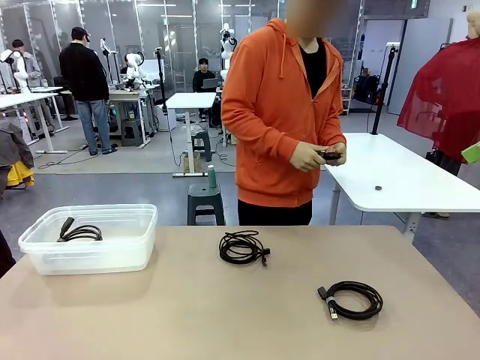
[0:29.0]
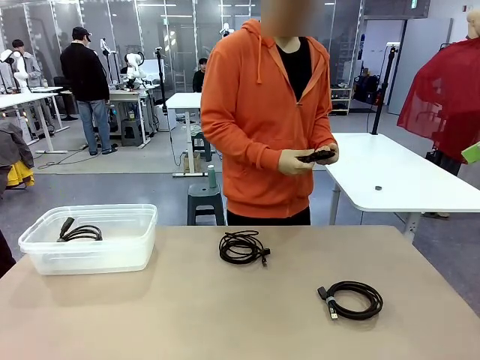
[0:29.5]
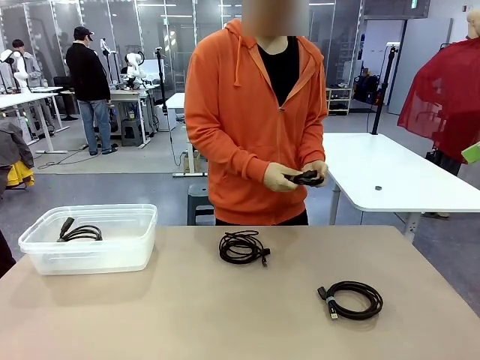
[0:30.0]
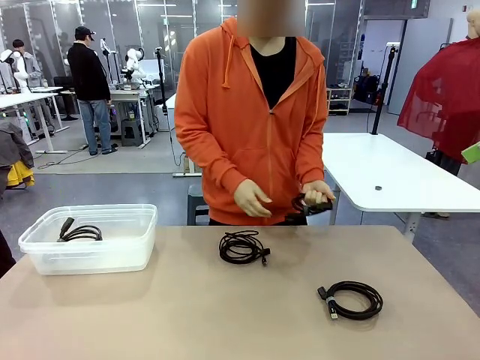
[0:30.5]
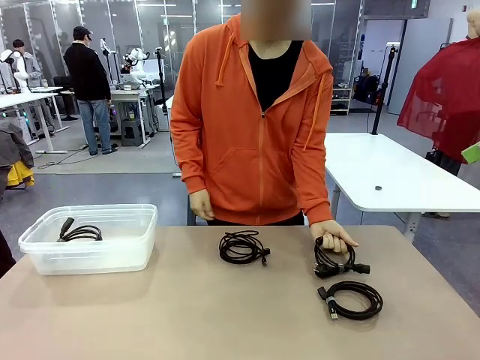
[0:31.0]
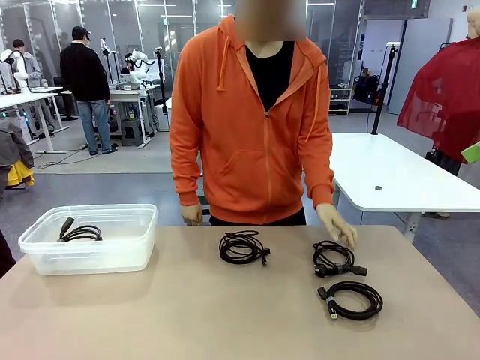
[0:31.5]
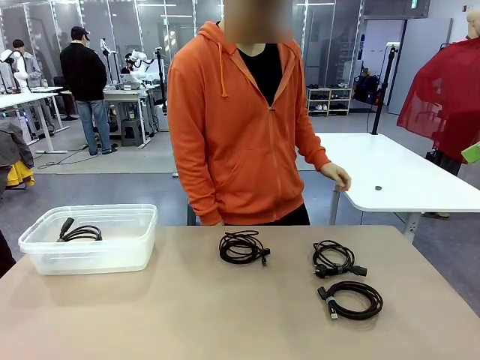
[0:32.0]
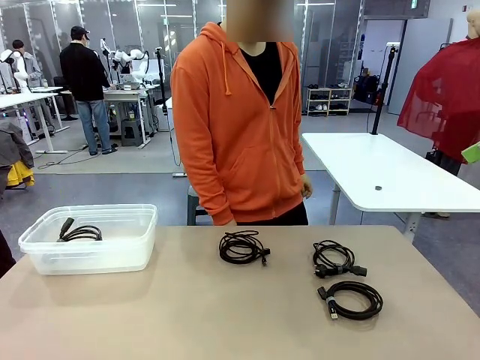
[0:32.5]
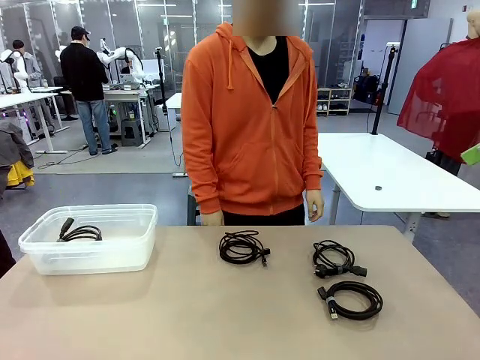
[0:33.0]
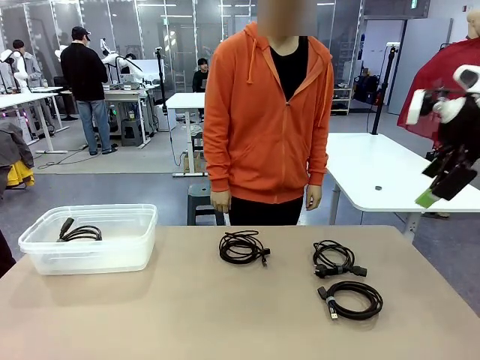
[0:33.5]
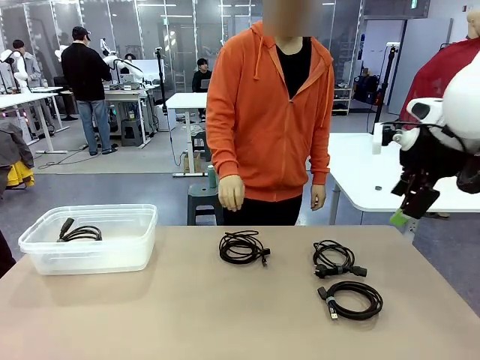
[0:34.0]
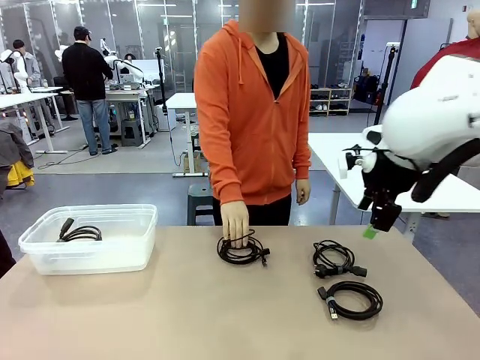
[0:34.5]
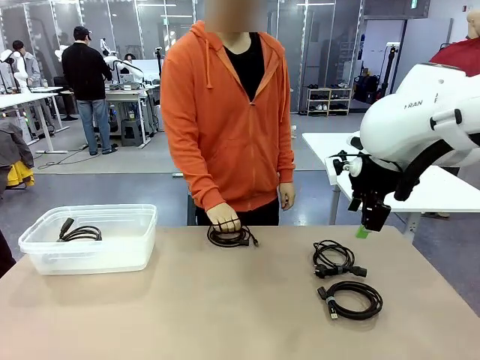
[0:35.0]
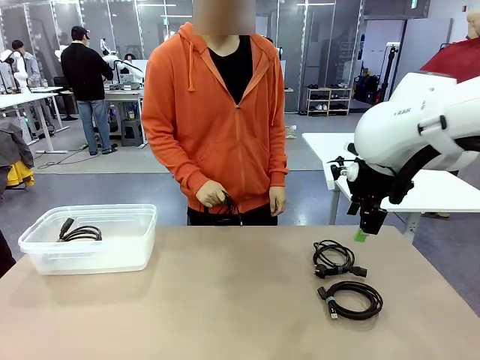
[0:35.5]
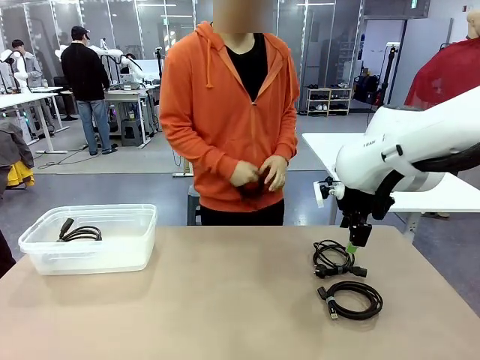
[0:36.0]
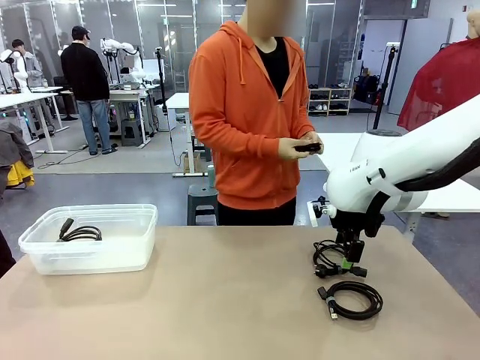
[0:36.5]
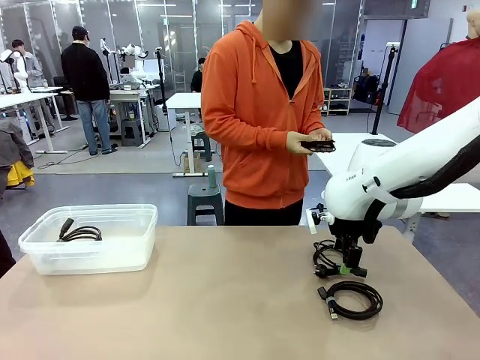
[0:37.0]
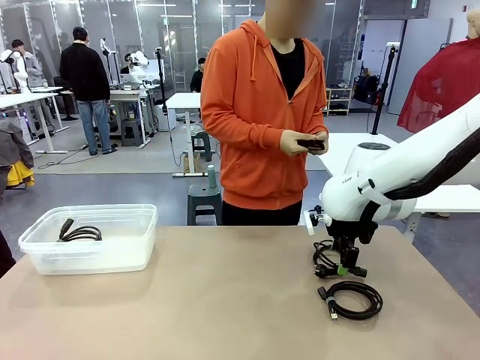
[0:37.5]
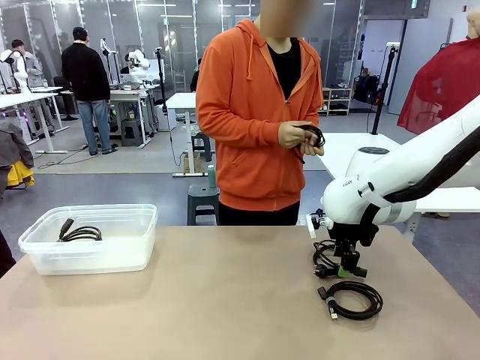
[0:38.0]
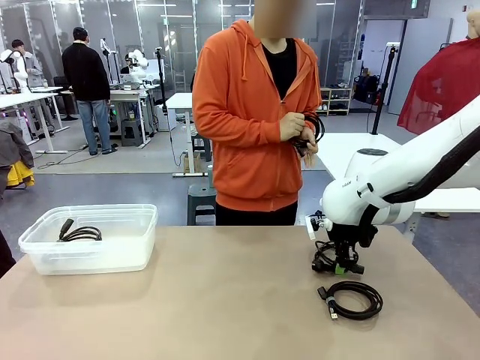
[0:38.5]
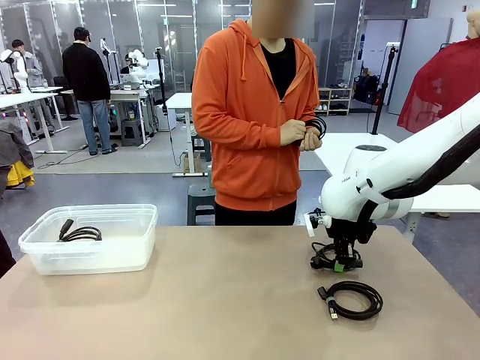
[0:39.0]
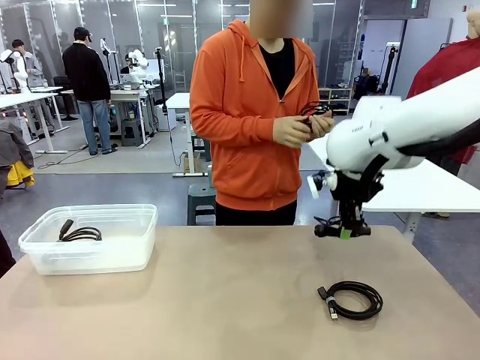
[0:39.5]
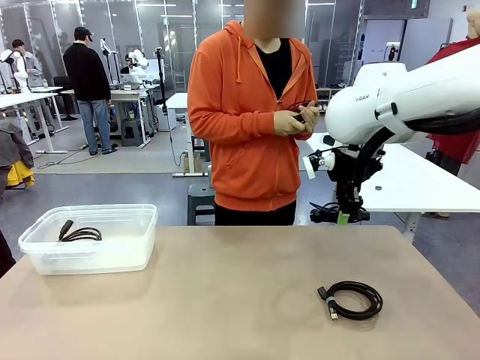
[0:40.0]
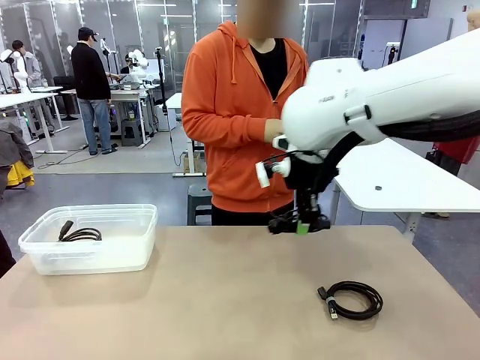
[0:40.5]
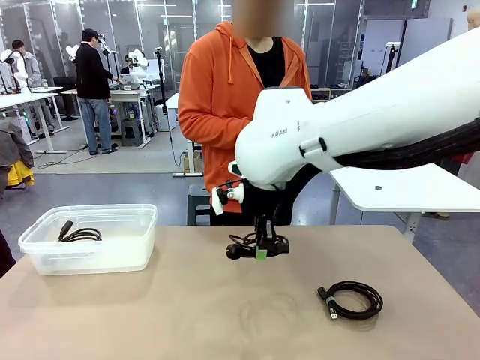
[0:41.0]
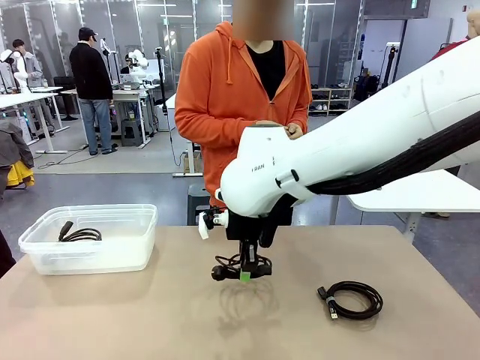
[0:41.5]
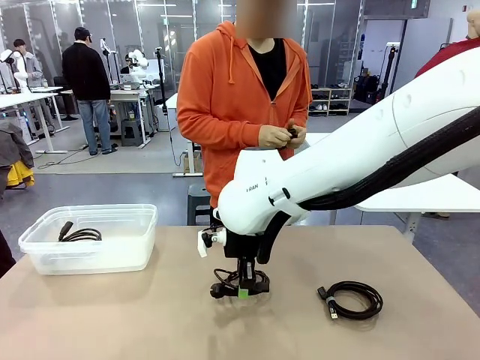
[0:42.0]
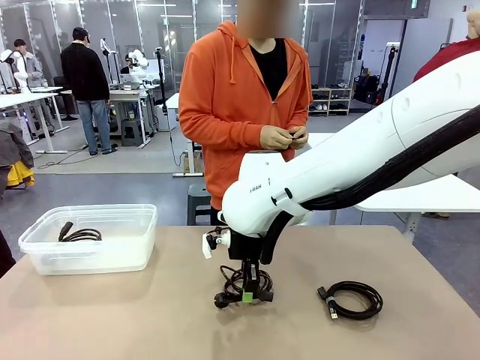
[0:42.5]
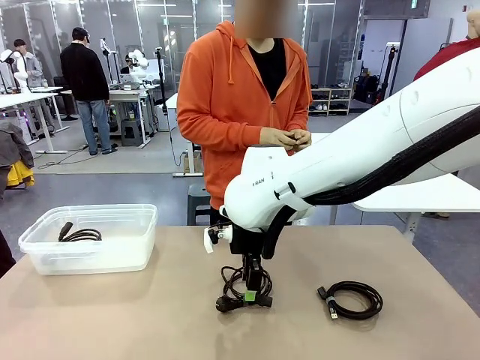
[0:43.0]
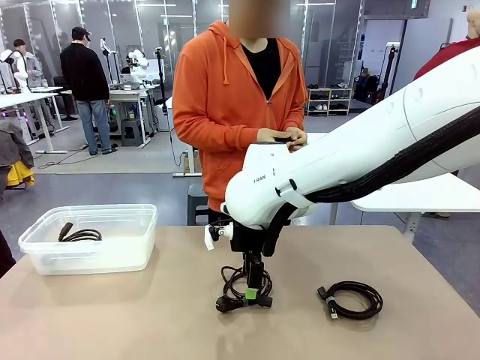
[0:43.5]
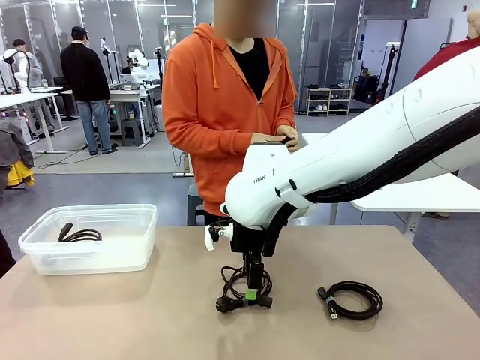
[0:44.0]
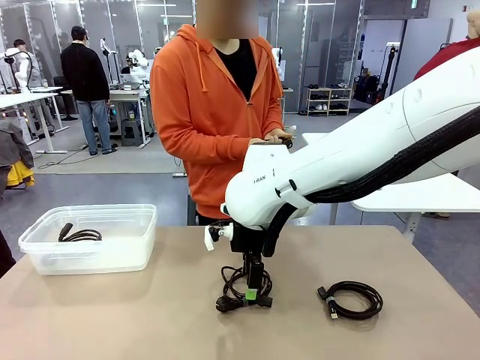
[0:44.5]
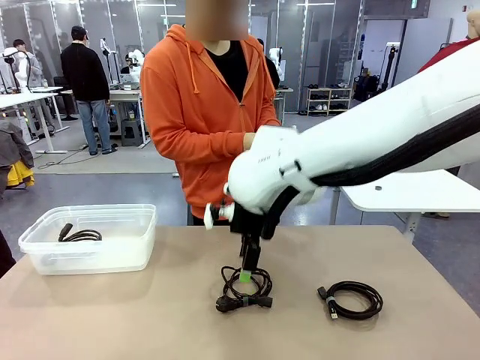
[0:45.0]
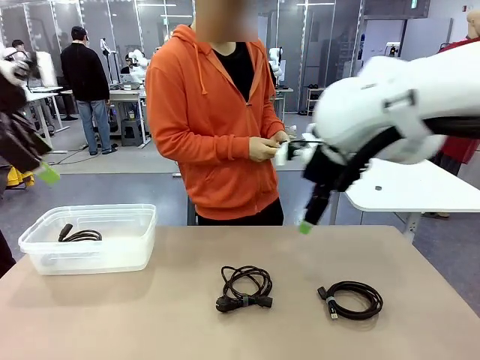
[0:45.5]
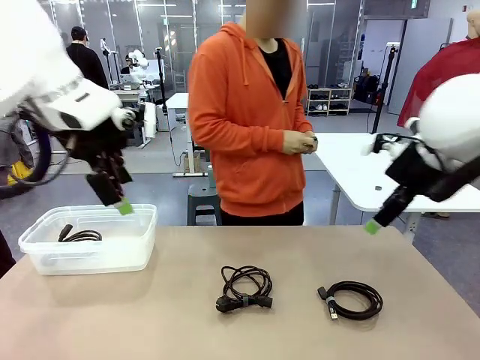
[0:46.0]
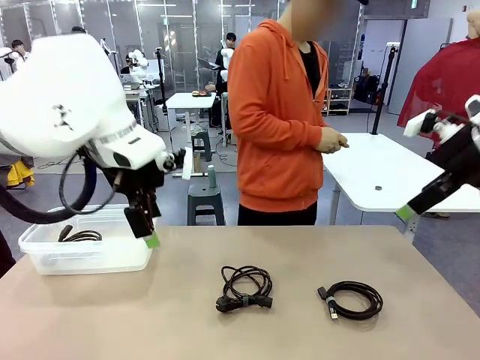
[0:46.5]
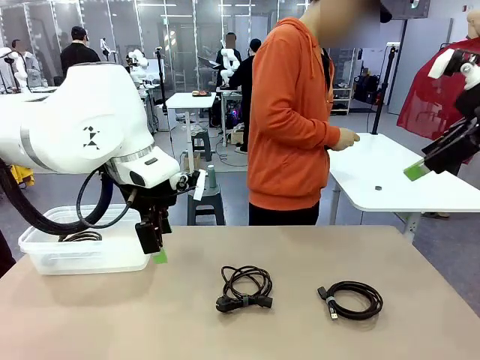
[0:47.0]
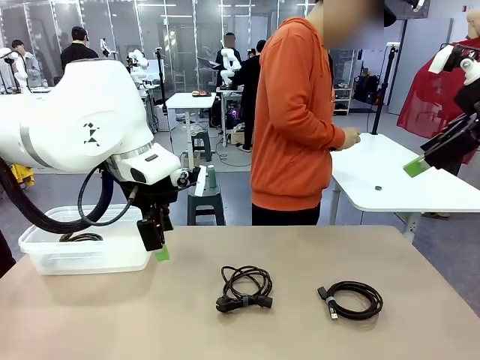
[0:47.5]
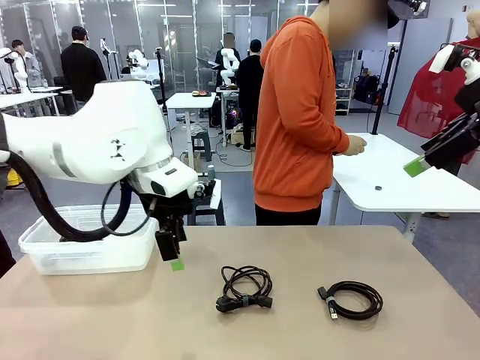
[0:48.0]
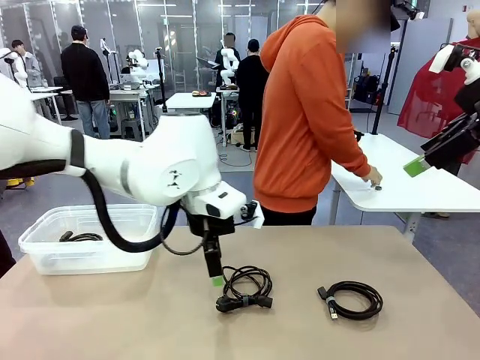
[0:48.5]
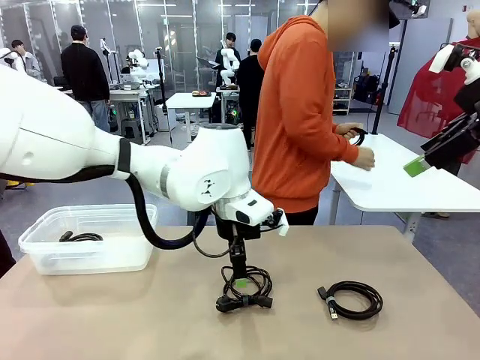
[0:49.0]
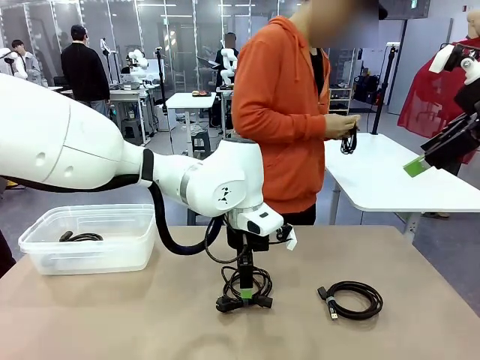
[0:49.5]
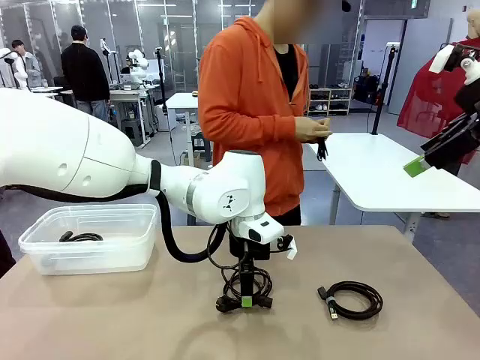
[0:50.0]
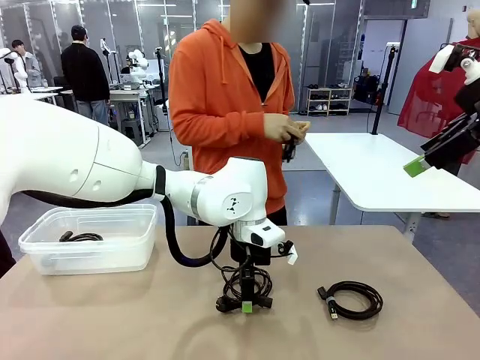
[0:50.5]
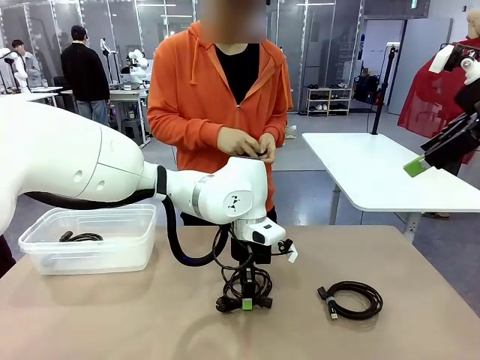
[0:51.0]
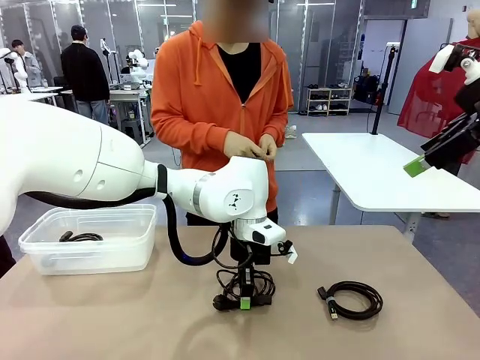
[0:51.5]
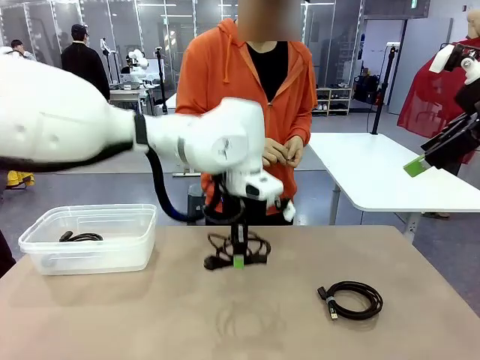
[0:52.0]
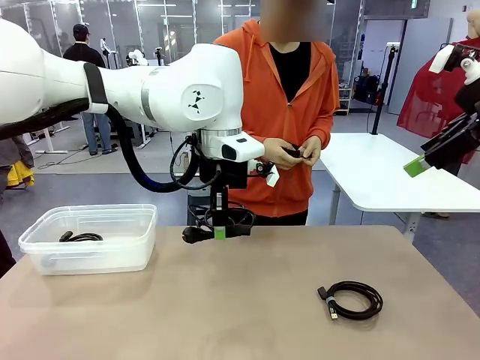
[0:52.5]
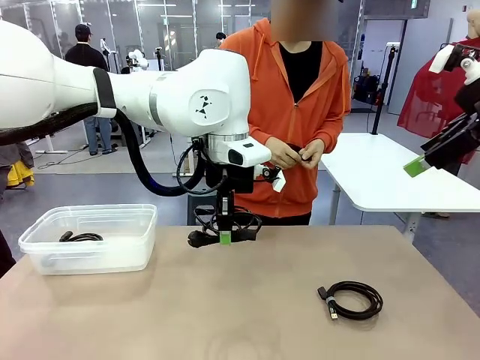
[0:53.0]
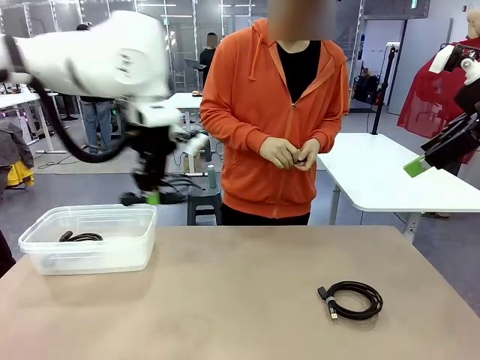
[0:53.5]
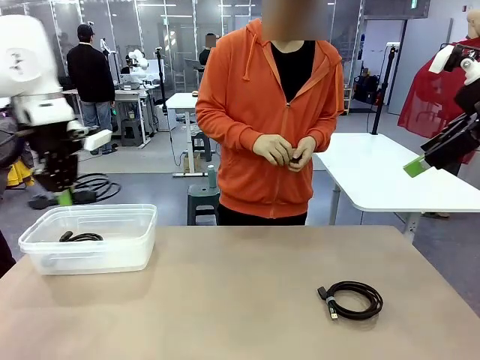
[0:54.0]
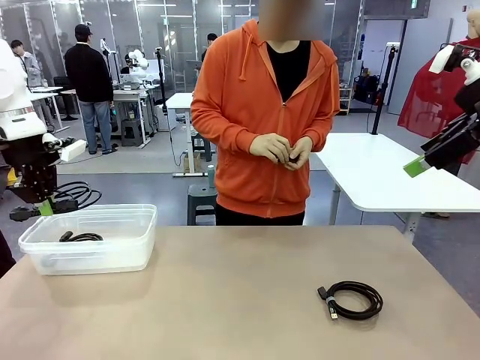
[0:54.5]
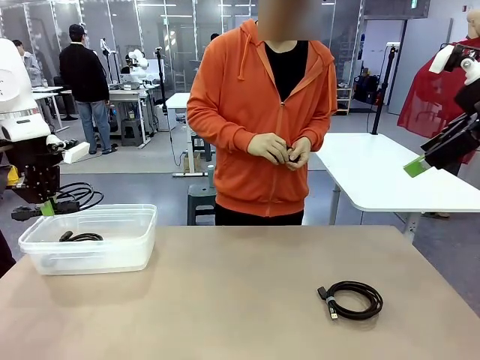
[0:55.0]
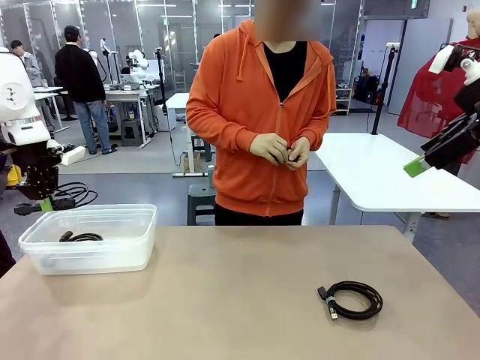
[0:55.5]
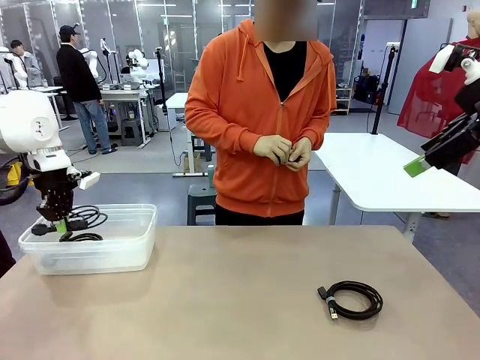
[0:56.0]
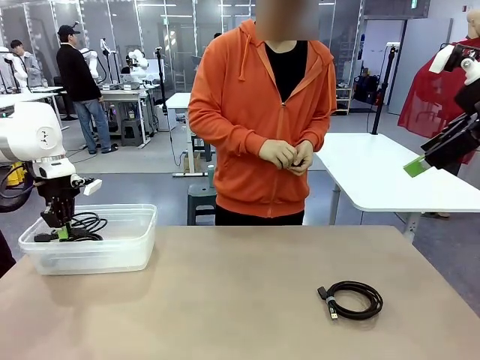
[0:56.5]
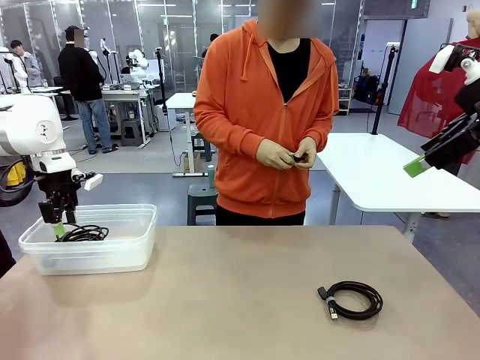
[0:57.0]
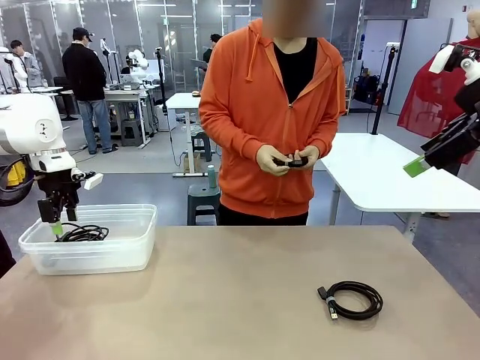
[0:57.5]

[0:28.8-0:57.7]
Task: Organize and store the cables.
Robot: Place the Power Cable into the Organizing box.
